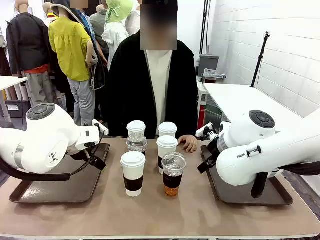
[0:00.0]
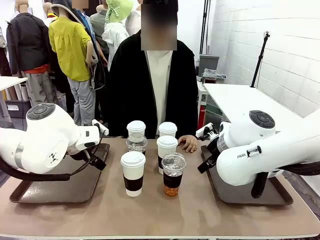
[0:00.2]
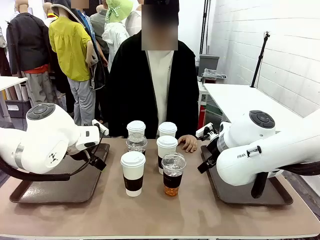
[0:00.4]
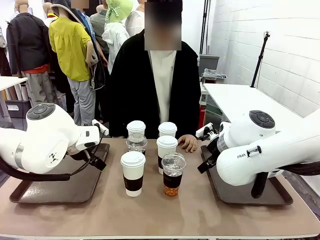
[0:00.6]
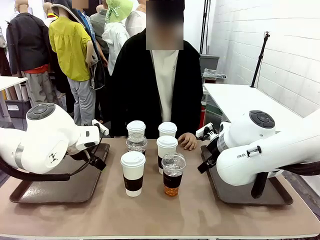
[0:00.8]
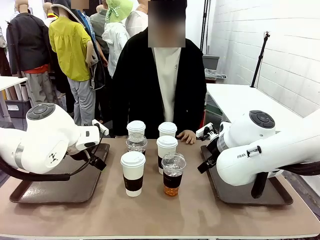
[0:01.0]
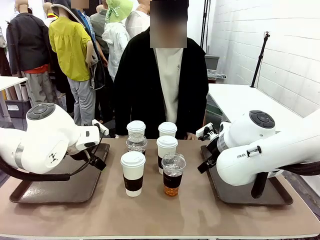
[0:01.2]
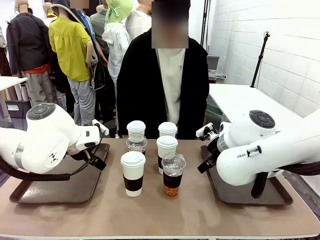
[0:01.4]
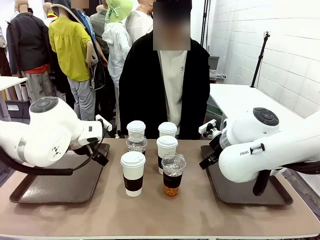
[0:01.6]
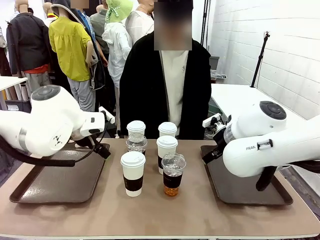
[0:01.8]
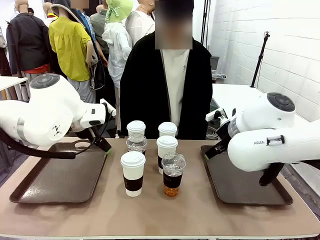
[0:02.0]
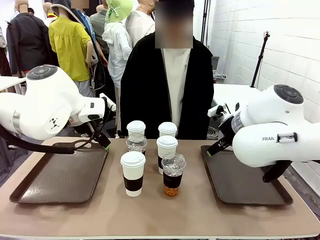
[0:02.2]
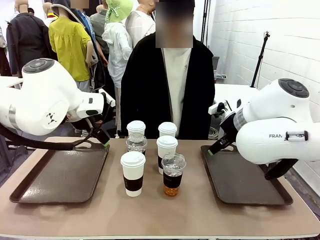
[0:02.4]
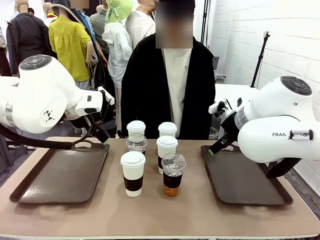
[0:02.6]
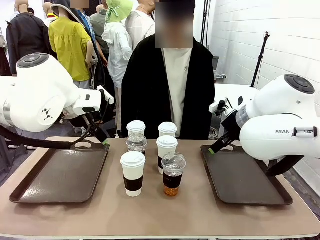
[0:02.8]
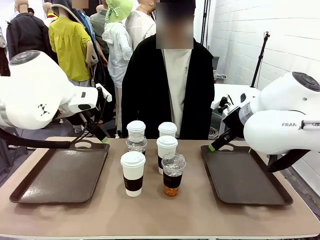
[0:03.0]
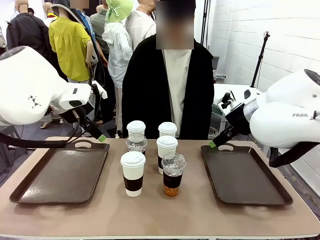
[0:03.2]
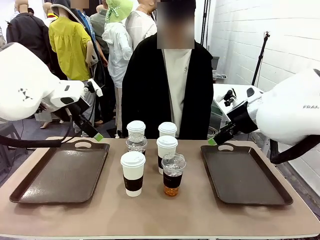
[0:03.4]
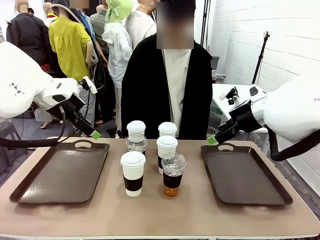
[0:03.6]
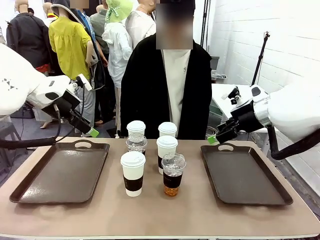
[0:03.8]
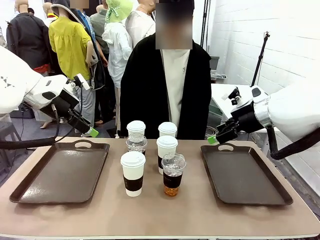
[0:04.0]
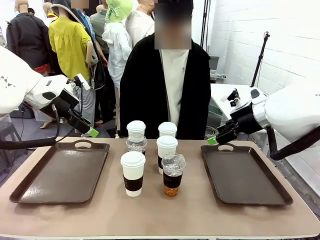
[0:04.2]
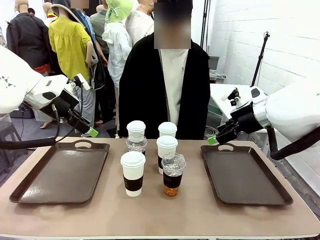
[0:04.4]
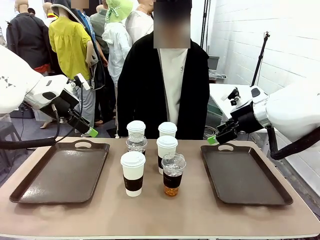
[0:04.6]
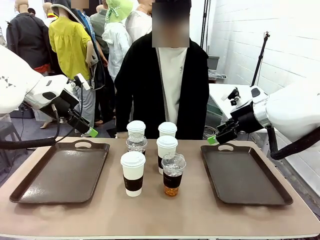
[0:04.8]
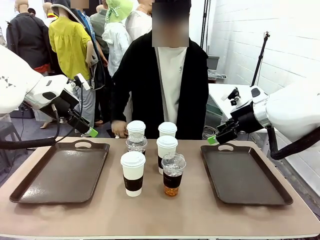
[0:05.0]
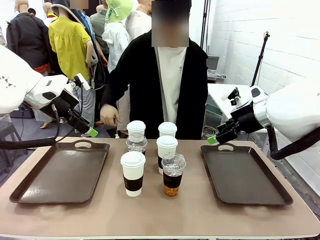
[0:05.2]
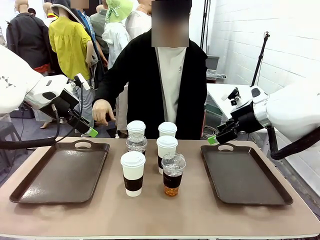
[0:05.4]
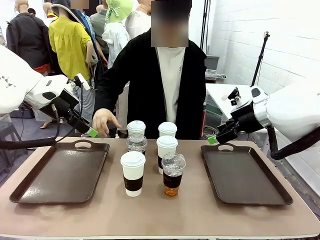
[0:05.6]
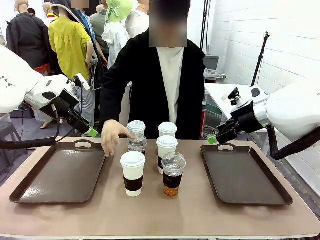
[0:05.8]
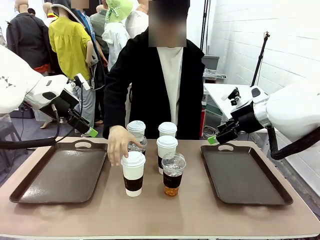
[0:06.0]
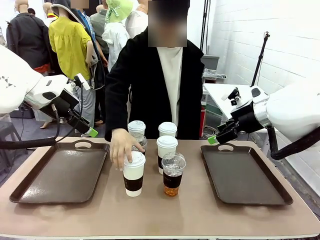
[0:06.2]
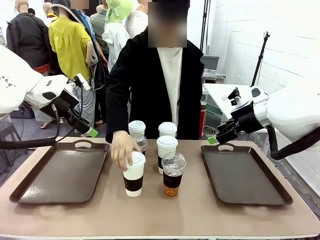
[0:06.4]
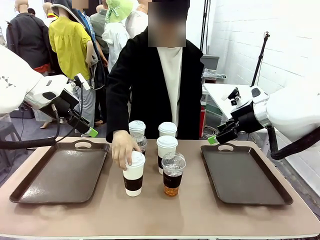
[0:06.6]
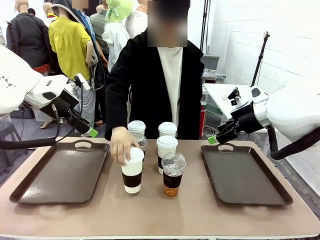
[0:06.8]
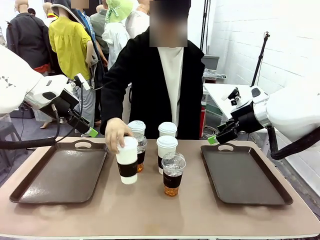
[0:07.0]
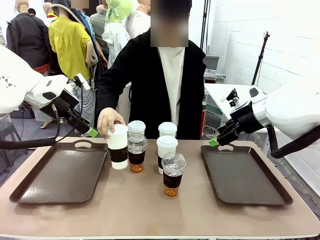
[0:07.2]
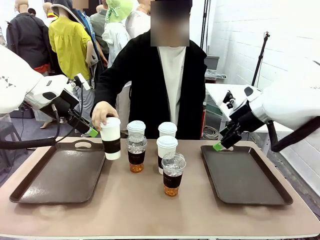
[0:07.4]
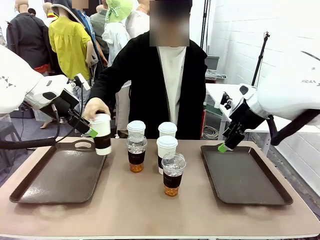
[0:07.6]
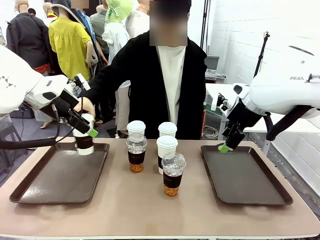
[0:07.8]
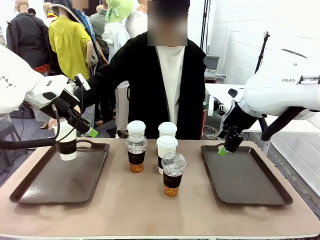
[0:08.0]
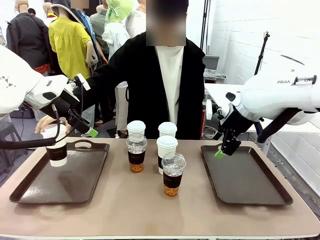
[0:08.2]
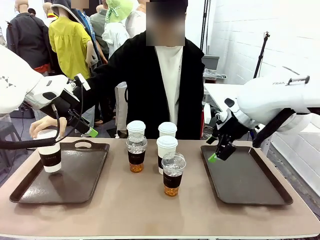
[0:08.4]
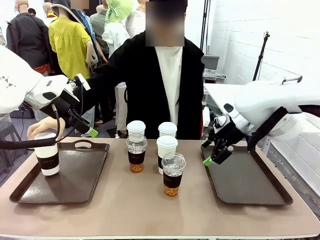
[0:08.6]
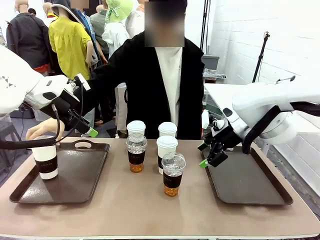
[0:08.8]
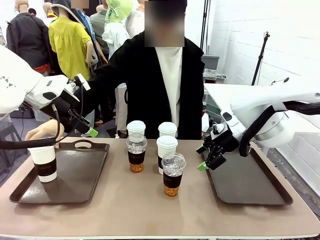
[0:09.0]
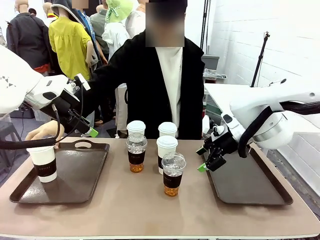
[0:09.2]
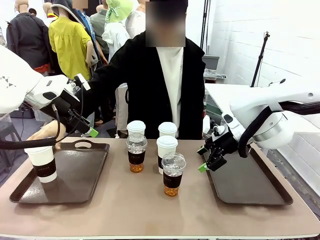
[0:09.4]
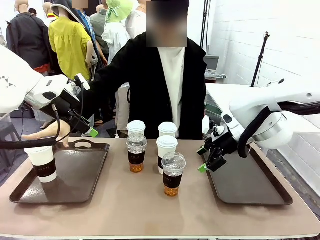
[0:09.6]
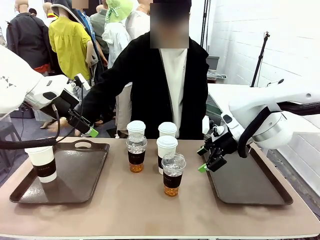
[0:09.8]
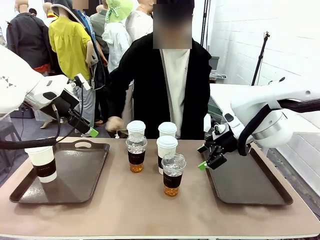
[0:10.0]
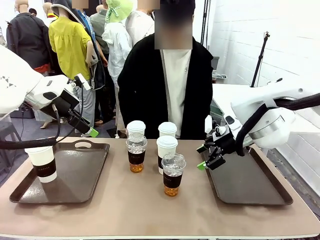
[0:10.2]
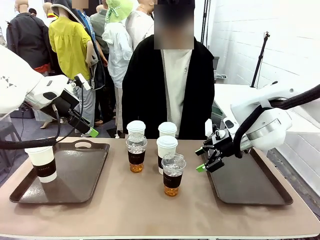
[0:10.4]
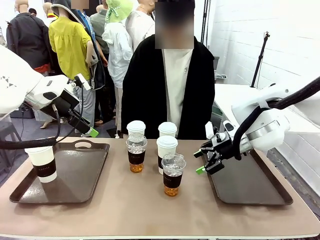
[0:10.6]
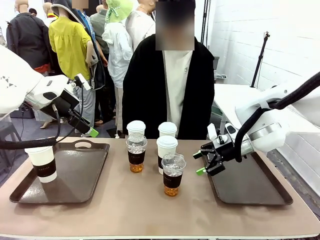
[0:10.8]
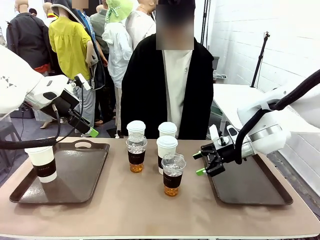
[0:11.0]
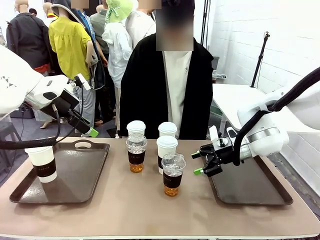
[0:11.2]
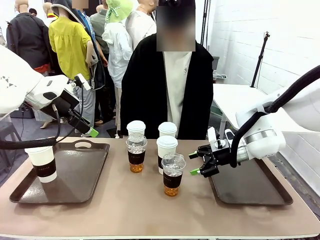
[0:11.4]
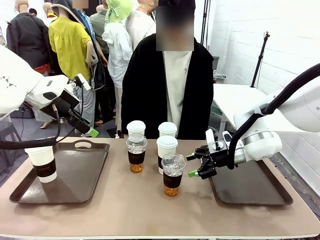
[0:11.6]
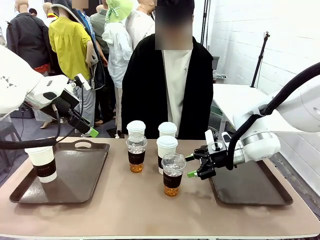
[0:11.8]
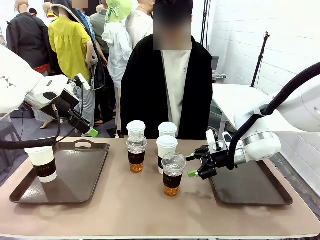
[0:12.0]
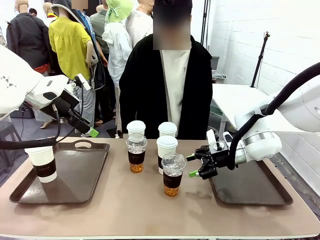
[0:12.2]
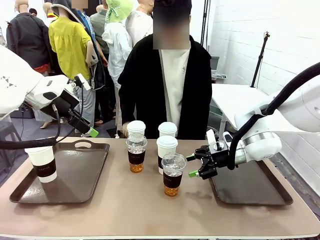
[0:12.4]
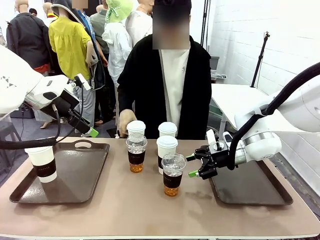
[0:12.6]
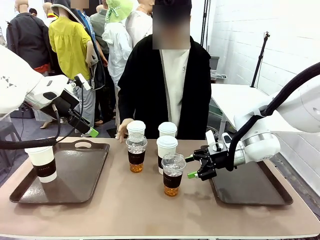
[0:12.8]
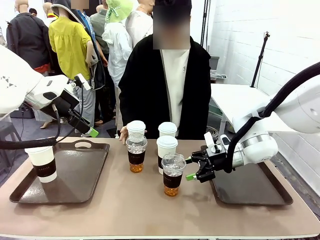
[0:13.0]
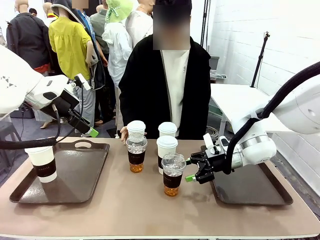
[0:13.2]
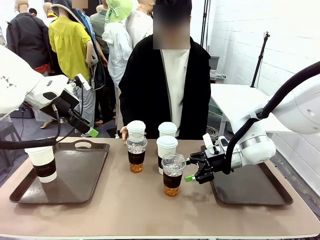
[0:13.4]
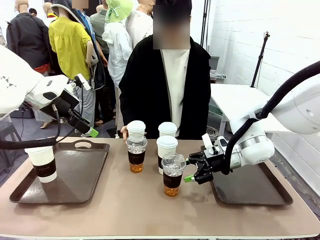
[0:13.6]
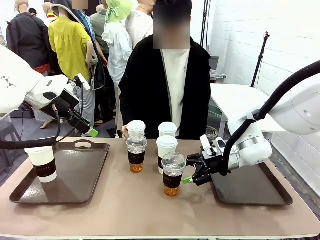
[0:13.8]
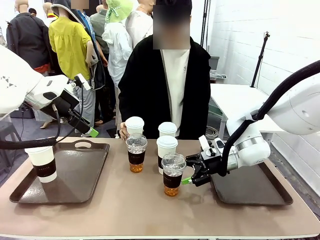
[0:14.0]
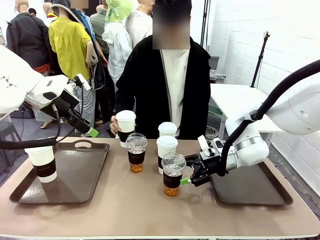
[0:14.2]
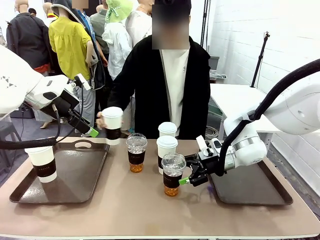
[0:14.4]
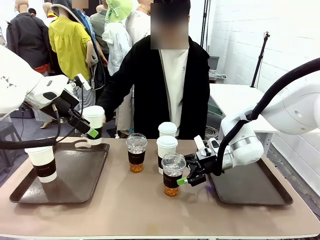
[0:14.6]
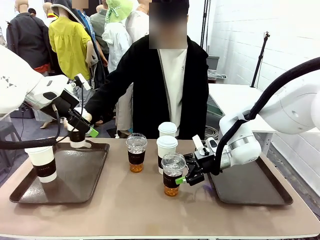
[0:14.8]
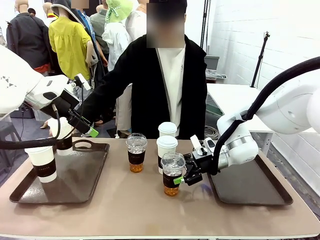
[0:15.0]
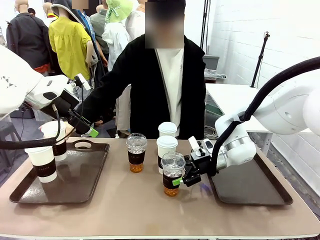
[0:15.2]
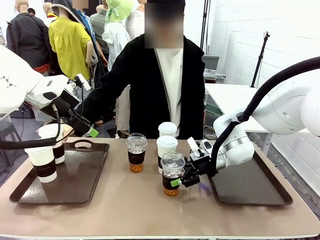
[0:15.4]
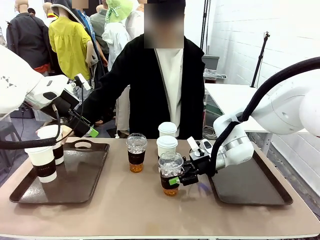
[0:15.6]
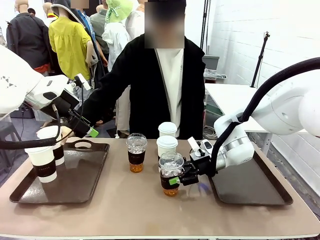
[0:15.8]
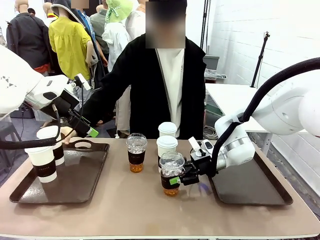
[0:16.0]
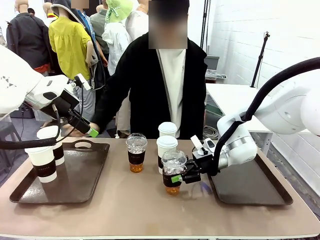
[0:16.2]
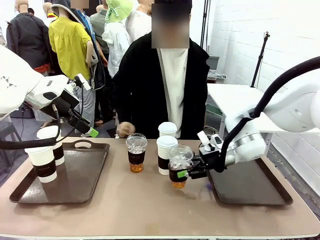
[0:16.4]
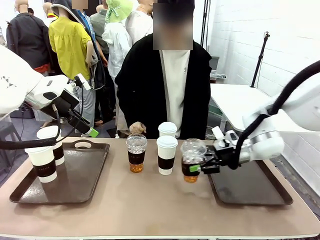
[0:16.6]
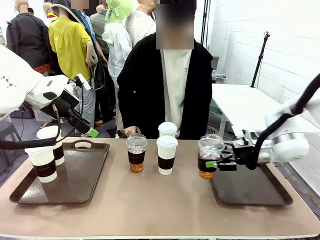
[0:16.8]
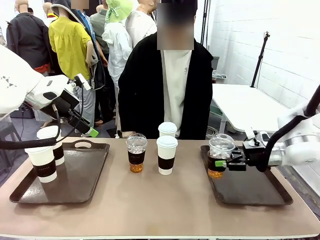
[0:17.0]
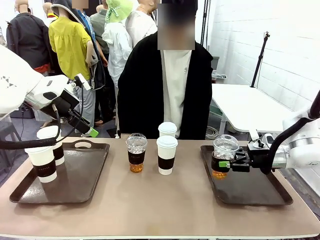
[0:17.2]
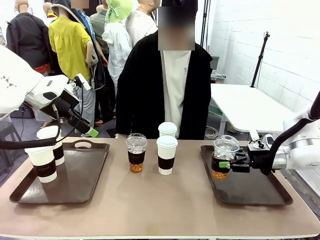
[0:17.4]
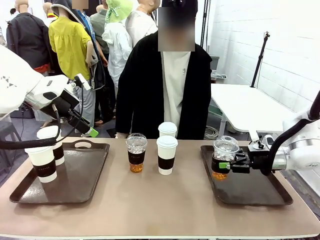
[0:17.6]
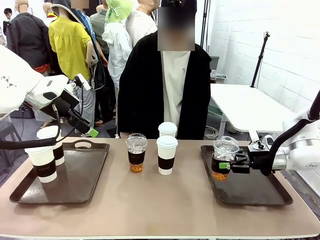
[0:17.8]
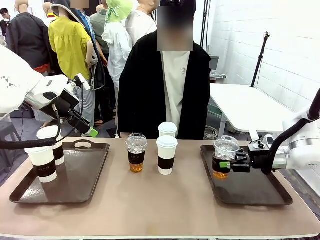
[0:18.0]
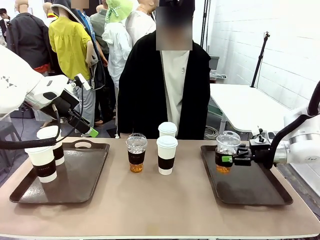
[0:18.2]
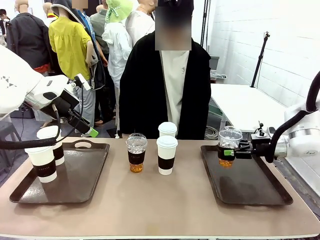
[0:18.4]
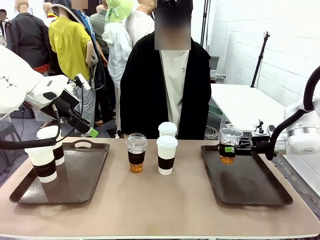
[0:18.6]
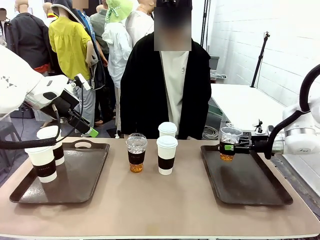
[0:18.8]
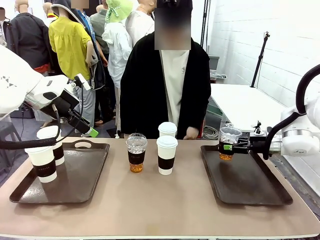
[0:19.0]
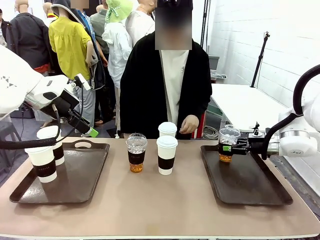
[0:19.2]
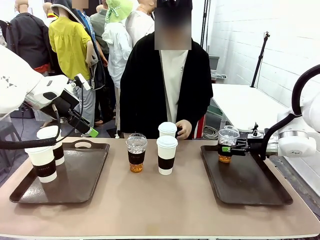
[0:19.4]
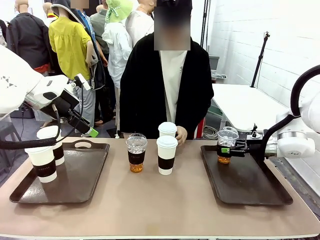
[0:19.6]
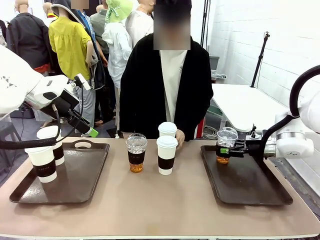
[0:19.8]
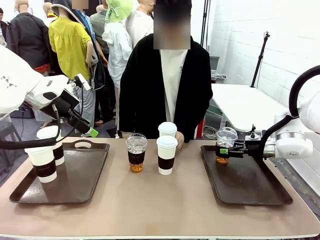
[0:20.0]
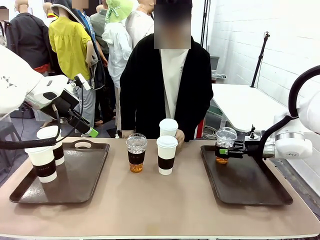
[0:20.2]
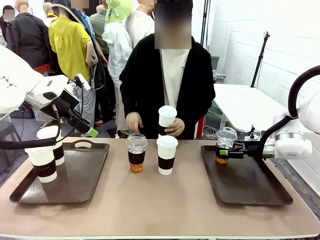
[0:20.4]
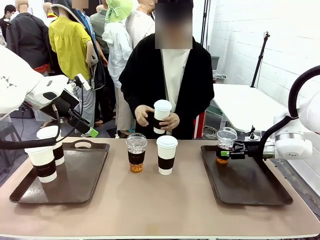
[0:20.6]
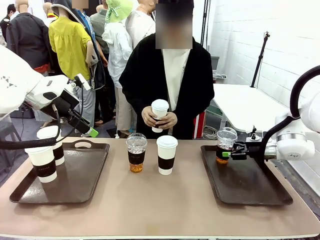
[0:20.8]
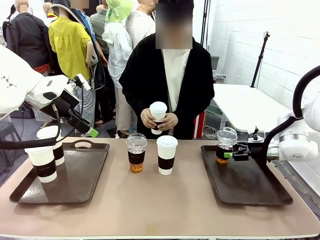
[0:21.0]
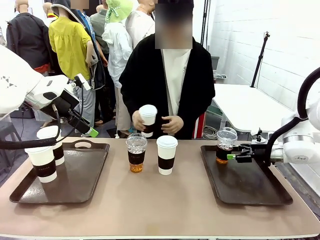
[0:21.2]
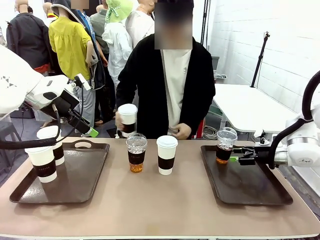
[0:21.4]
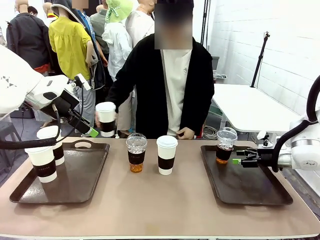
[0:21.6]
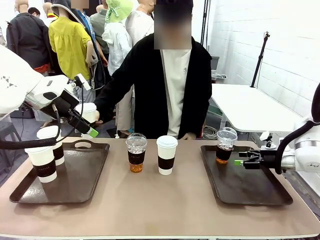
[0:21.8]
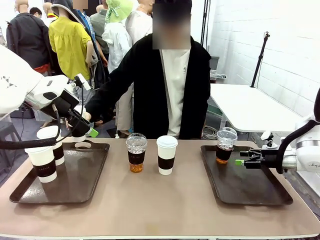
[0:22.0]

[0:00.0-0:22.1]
Task: Distribute the coffee onto the tray.
Robot: Pick up one iced Americano and place it on the right Handle tray.
Person: Pick up a cup of hot Americano and place it on the right tray.
